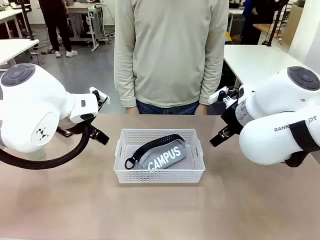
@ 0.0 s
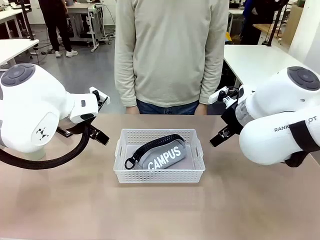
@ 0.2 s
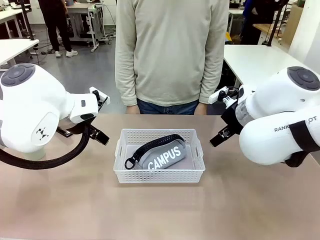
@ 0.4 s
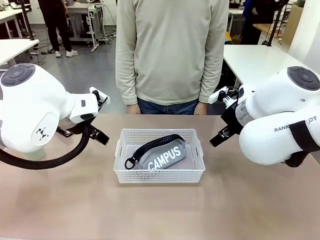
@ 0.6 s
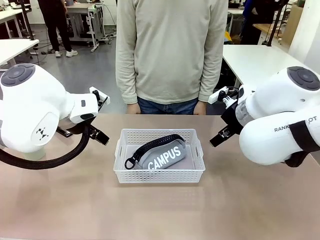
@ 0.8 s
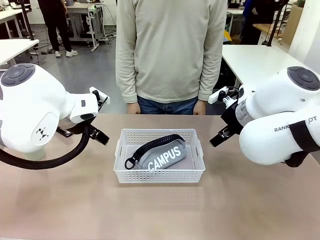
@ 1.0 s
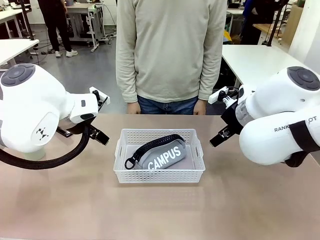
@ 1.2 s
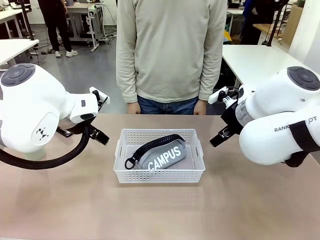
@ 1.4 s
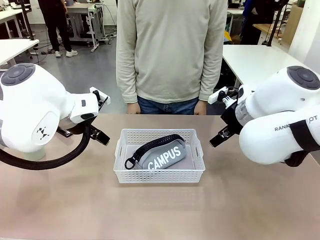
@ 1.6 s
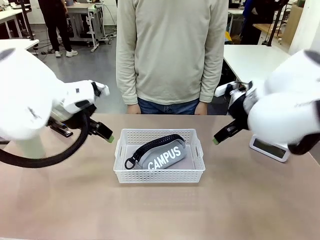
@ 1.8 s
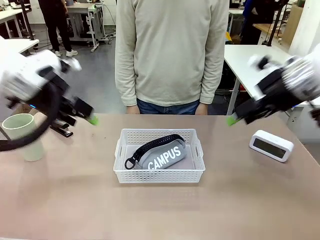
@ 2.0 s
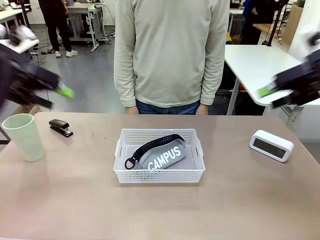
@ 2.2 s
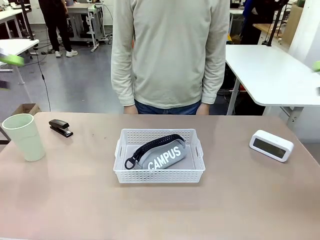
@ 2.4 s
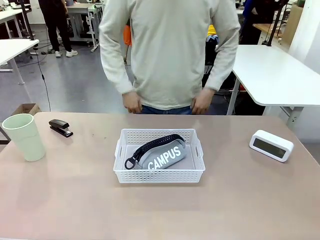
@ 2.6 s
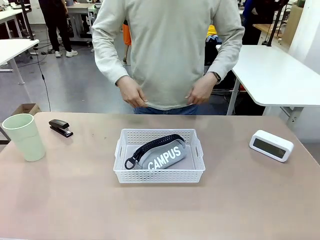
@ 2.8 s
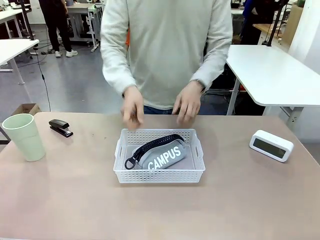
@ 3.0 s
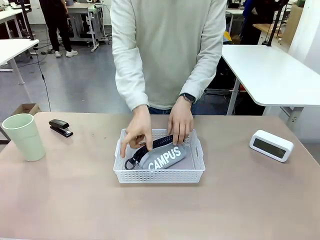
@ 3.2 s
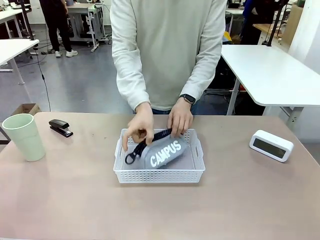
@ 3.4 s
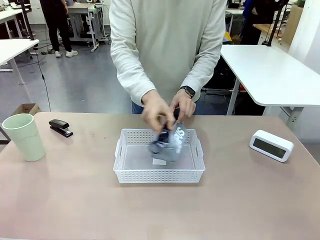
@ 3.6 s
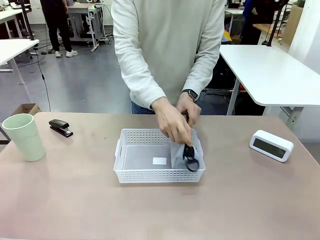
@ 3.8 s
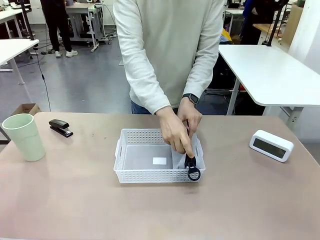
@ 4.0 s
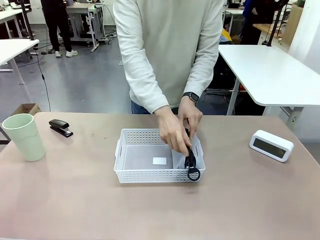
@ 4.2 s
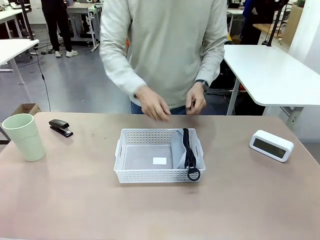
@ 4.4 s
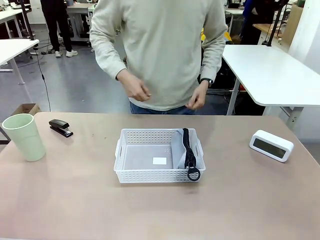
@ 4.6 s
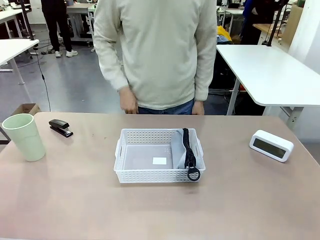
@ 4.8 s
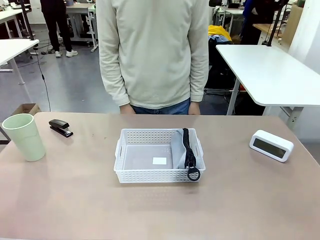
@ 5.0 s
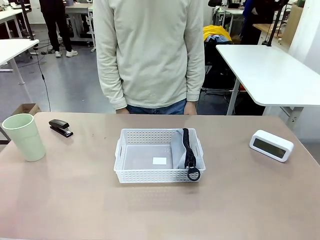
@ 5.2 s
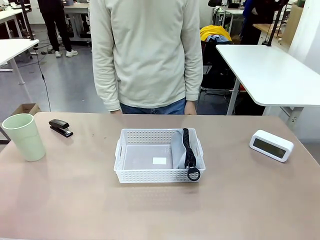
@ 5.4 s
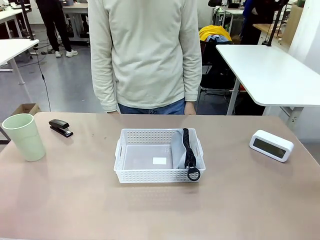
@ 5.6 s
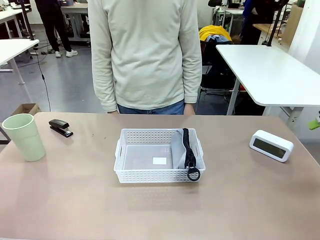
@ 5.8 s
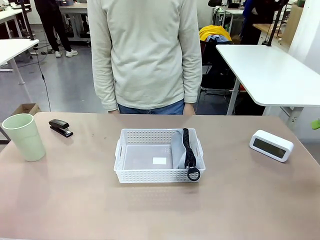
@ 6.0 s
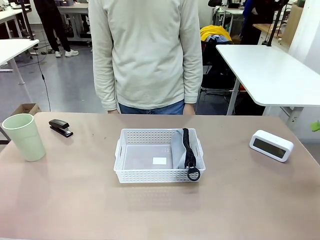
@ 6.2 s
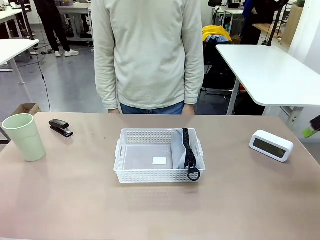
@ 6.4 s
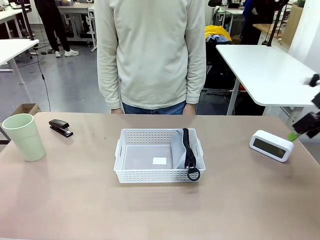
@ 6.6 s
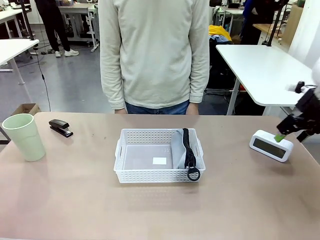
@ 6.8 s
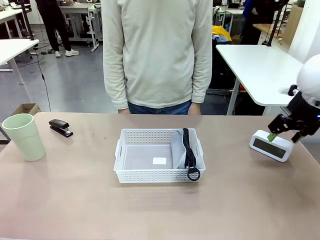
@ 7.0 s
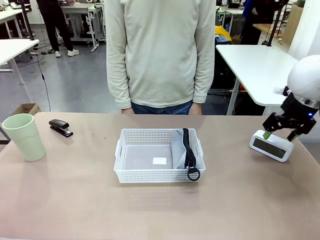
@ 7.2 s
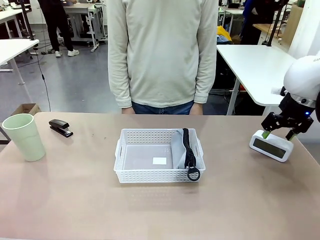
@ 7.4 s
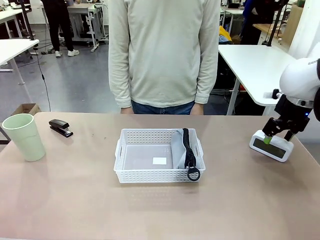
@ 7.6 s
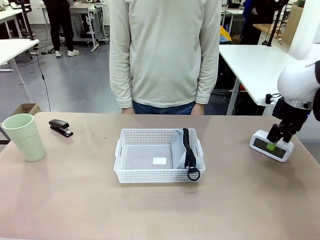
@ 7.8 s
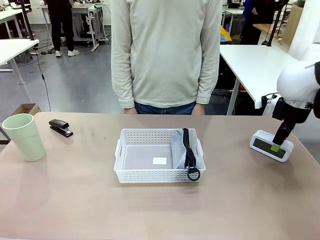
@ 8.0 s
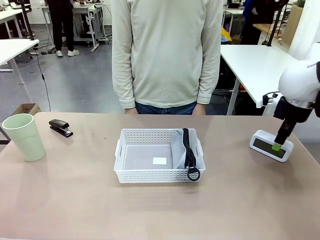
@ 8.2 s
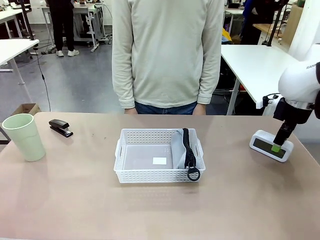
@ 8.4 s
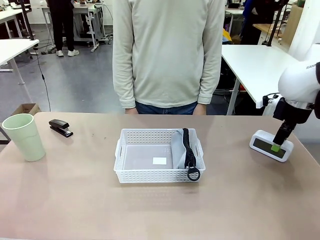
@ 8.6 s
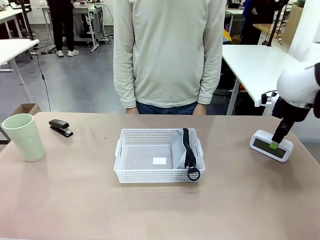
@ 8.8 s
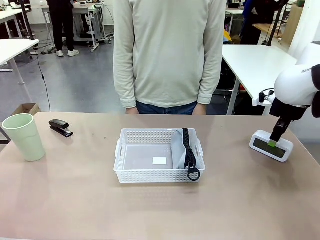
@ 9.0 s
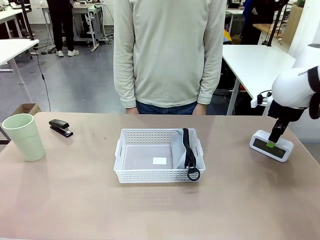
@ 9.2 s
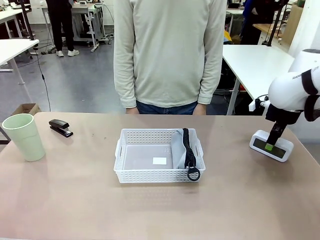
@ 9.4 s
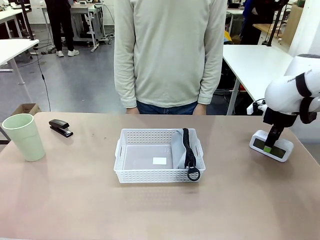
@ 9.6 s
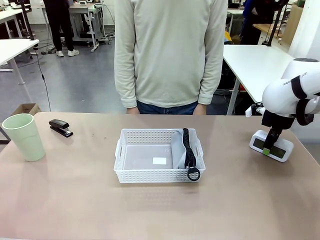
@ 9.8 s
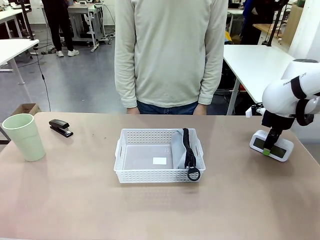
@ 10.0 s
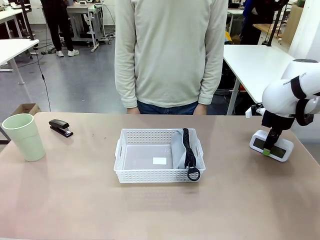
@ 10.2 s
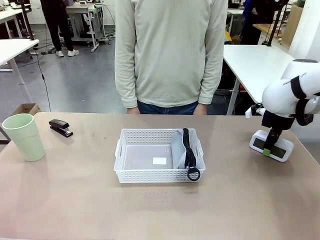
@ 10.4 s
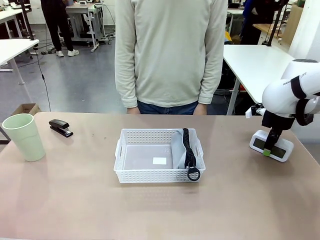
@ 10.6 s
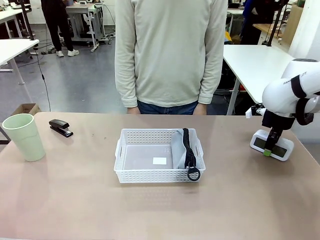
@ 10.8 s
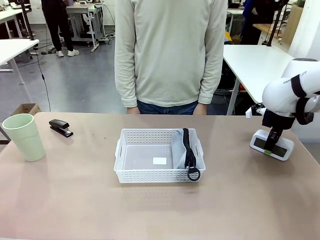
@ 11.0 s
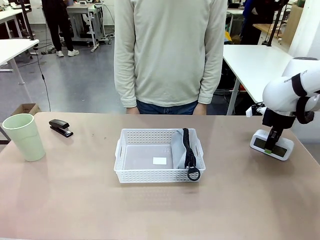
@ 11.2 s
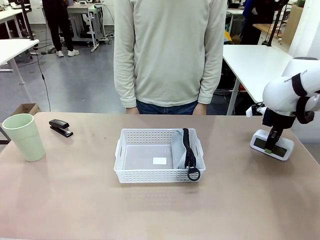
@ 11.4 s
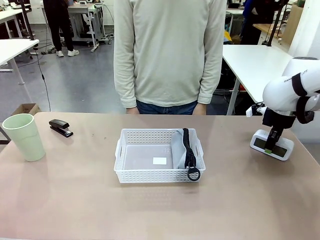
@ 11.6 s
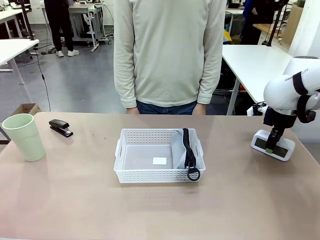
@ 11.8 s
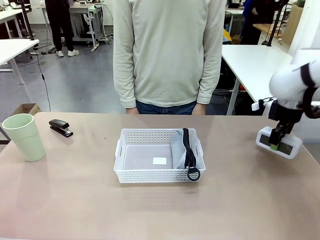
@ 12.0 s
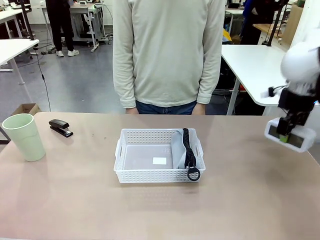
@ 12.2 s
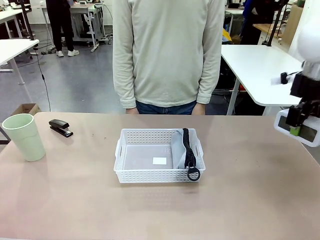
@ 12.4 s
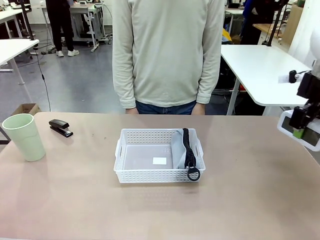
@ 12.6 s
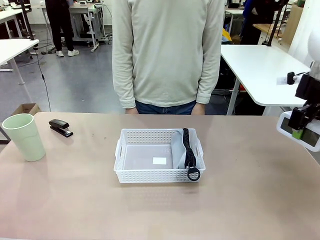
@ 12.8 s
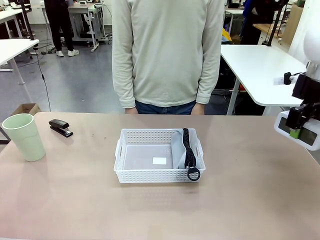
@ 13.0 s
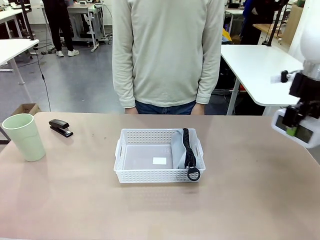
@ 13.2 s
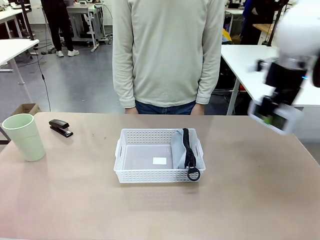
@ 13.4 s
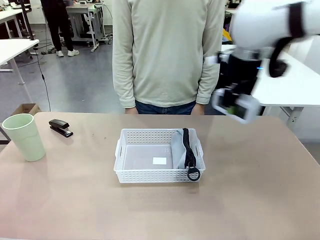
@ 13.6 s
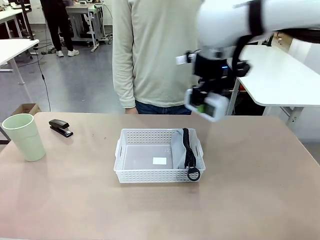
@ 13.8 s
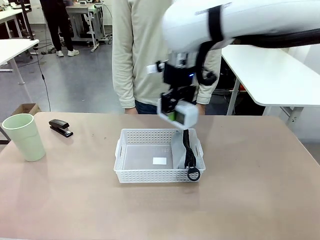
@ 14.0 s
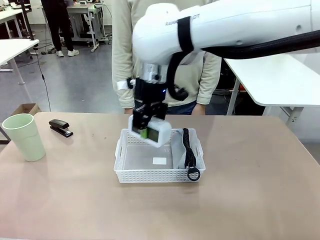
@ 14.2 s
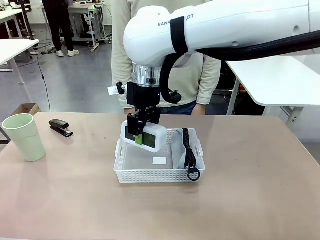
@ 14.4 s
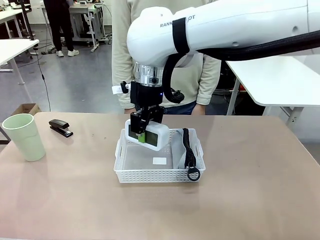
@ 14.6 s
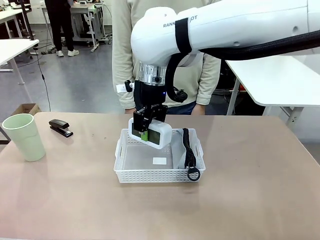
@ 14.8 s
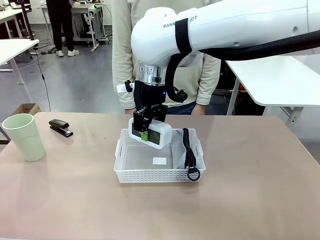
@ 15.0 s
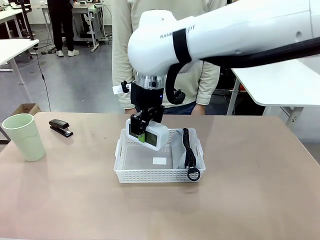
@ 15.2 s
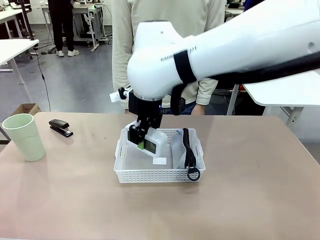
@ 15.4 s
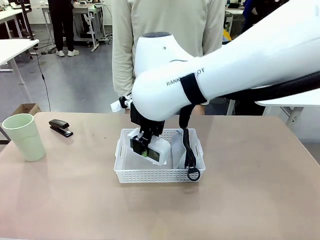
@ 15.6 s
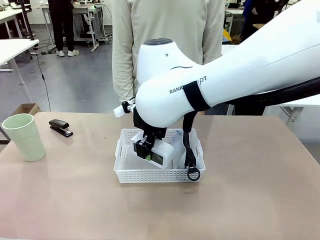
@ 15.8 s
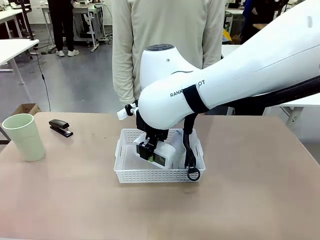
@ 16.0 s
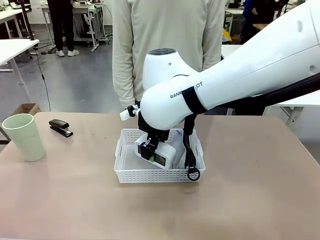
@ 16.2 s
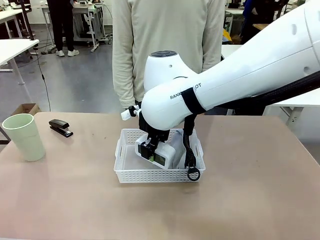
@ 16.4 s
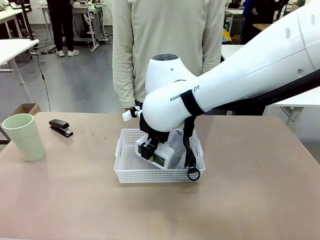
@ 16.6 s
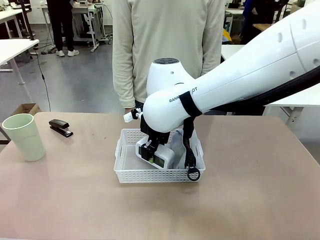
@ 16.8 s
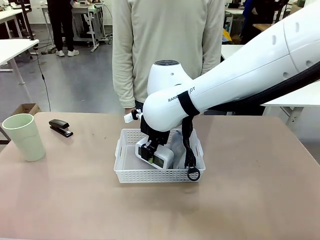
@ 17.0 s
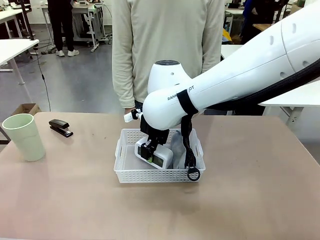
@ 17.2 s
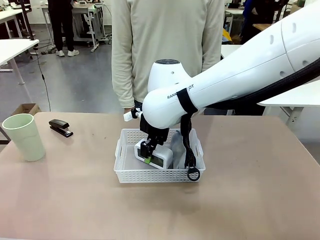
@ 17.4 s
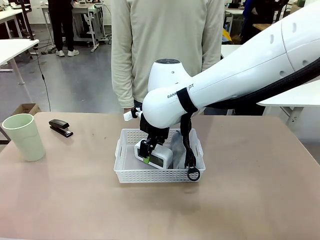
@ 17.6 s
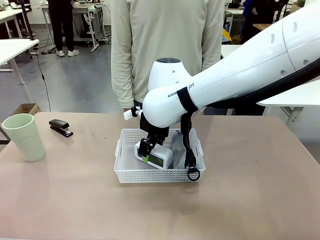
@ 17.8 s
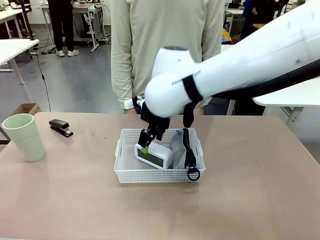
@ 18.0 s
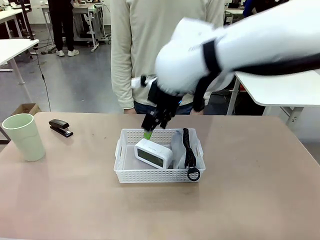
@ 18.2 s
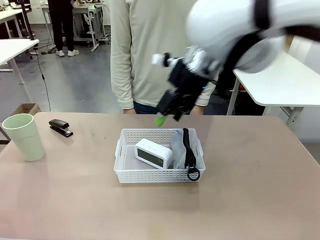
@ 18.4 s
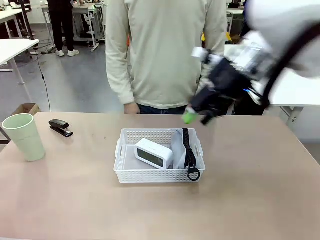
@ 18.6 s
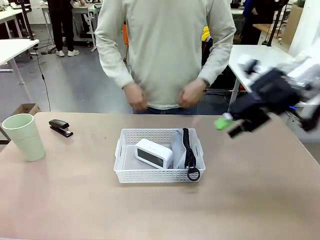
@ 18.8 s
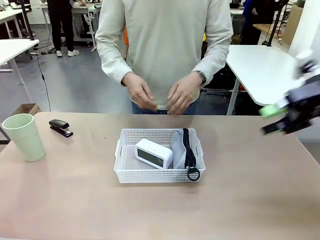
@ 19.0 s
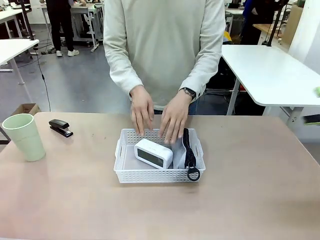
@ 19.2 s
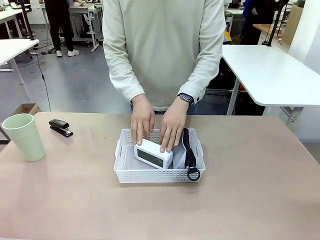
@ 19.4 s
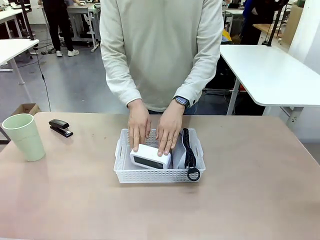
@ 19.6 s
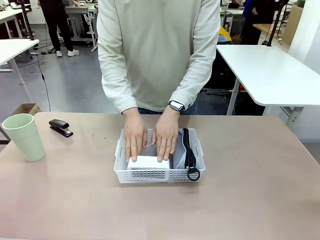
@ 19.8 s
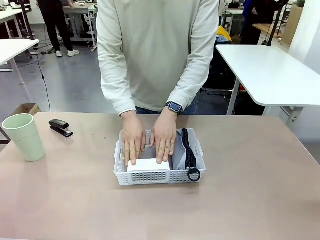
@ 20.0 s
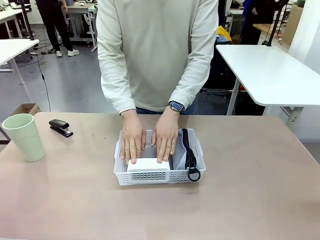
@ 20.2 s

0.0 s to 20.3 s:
Task: Efficiently arrange items inside the basket to fit them all.
Robot: Pick up the Digital clock and place it inside the Organizing basket.
Person: Repositions the pencil case. Repositions the digital clock.
